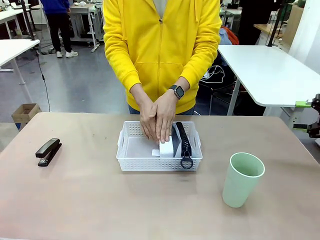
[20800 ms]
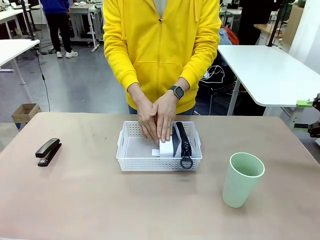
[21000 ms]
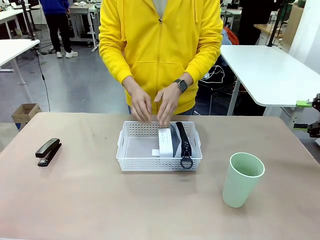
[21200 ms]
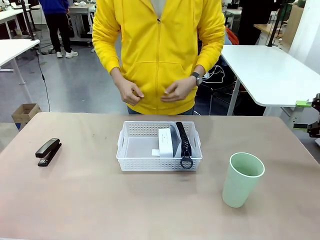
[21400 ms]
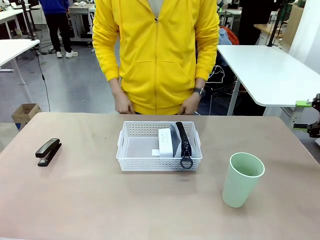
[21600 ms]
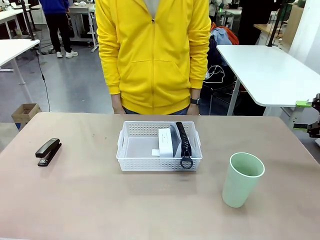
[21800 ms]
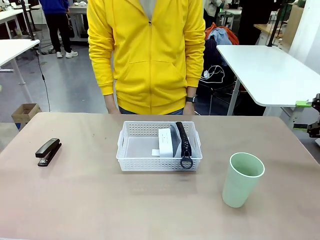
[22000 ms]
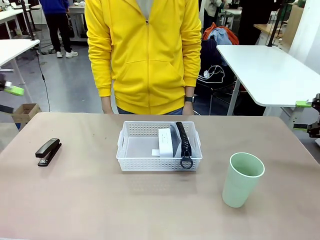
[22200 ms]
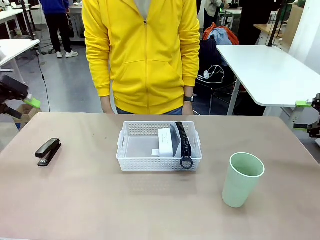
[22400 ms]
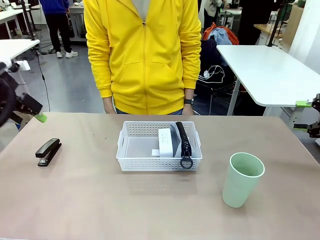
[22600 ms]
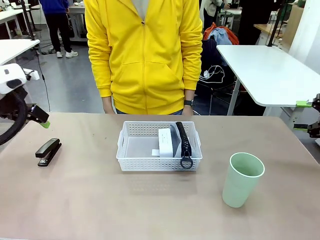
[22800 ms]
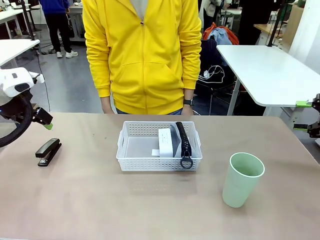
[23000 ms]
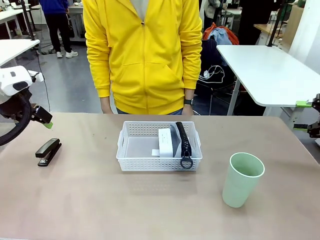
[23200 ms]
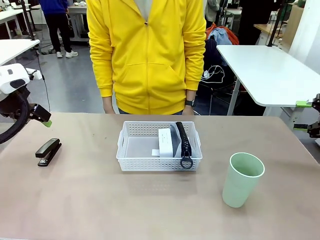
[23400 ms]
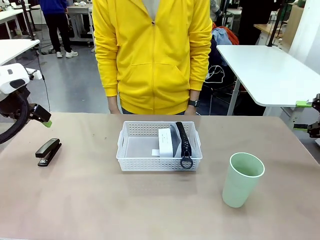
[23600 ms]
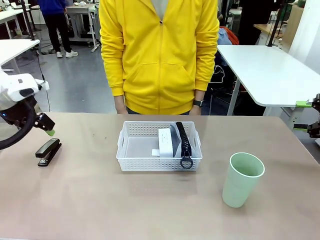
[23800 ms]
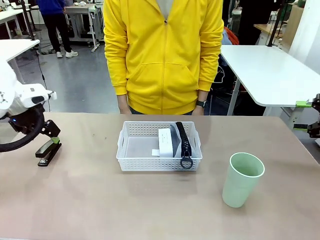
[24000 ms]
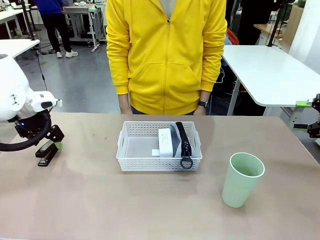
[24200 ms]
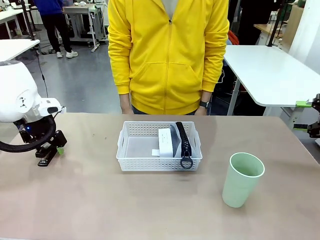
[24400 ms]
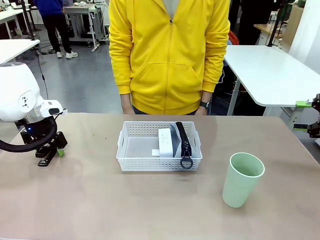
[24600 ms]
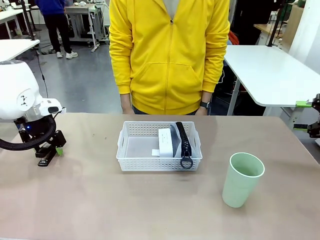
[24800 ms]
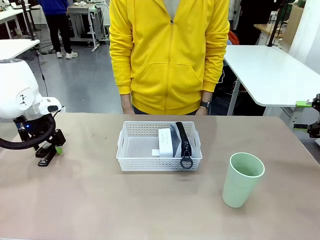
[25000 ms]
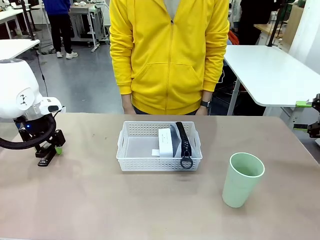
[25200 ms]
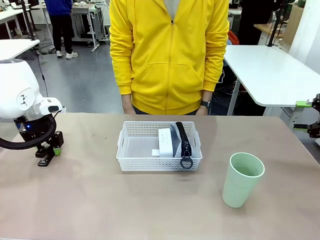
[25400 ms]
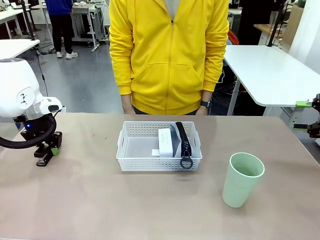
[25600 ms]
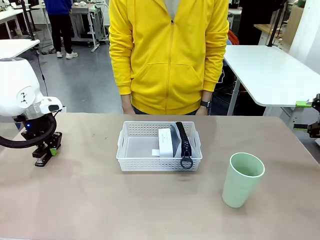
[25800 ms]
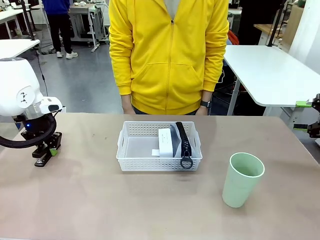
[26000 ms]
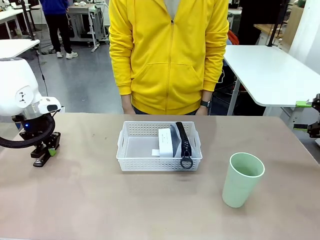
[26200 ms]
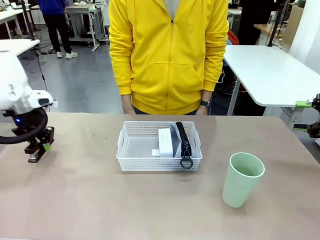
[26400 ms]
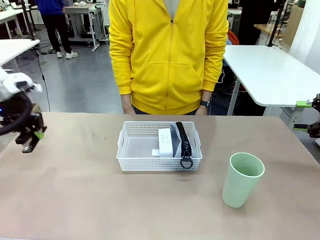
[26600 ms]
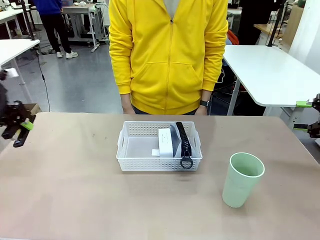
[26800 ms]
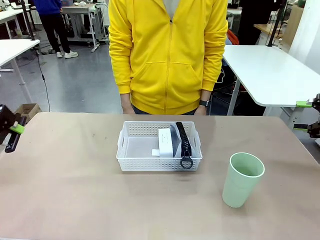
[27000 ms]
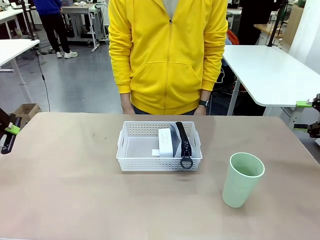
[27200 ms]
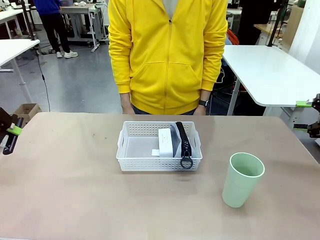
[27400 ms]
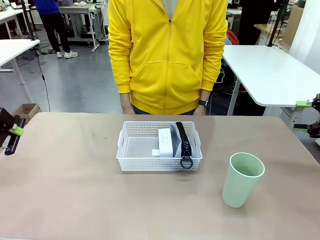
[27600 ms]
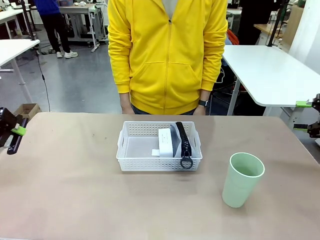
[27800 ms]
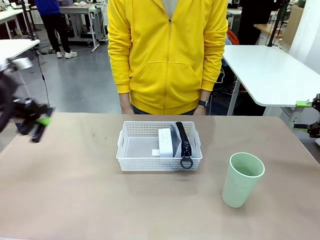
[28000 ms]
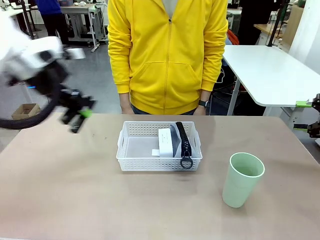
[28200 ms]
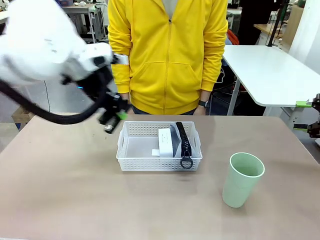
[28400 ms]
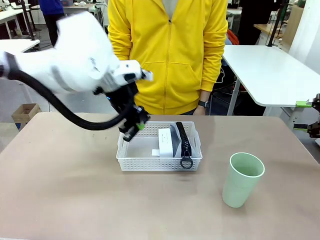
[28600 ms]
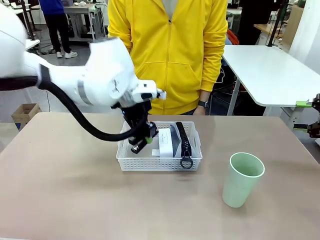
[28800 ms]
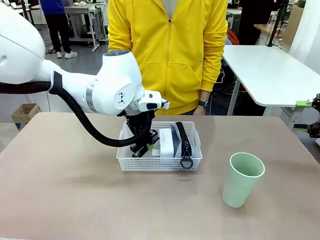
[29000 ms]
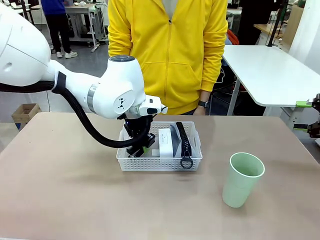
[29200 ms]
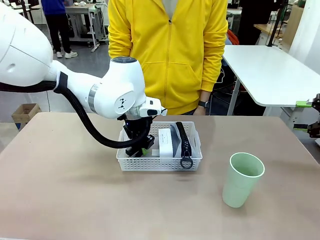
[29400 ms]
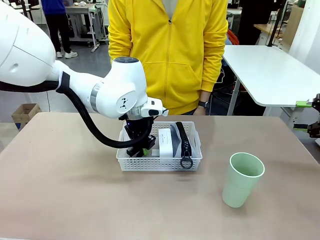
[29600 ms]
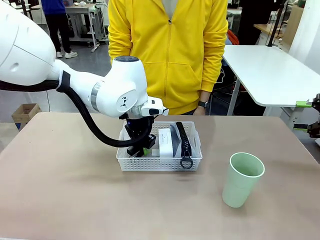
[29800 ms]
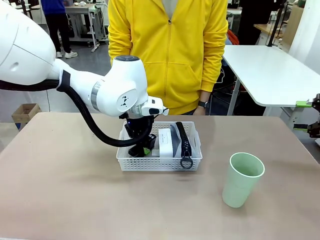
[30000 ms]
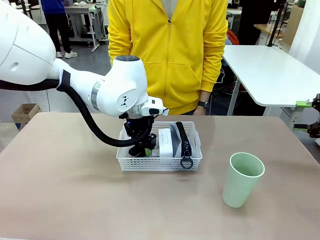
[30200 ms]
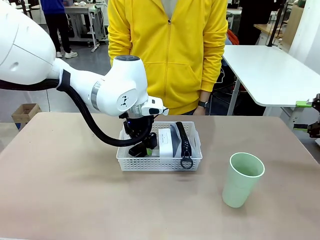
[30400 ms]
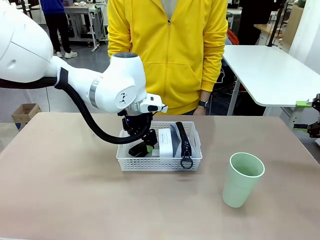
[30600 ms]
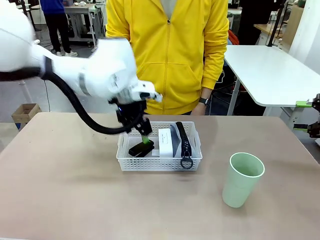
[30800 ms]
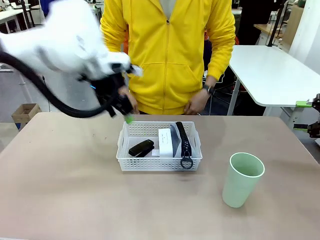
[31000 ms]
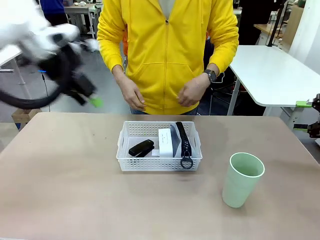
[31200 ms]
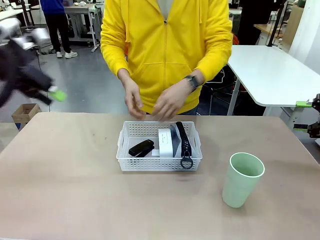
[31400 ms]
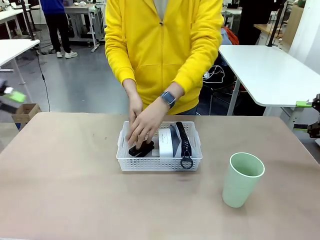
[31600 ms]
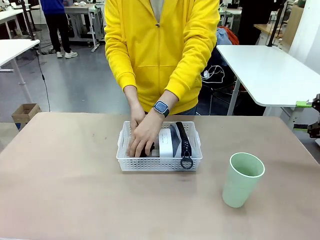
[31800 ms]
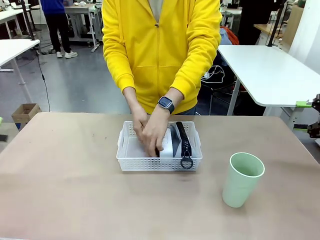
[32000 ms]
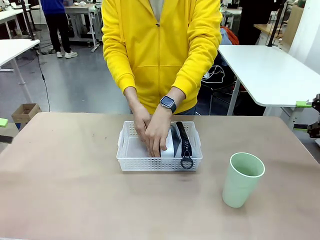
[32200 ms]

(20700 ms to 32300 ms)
Task: Efficiently arrange items inside the basket to fit them all.
Robot: Pick up the Stapler and place it inside the Organizing basket.

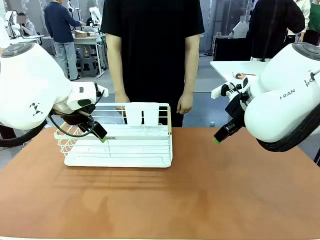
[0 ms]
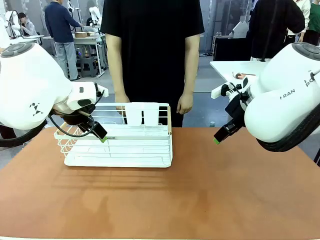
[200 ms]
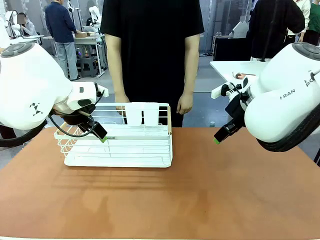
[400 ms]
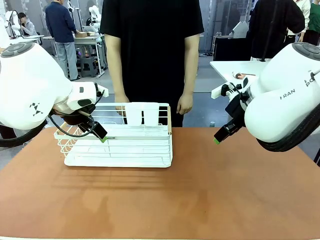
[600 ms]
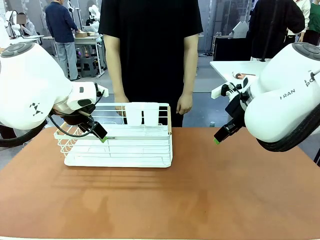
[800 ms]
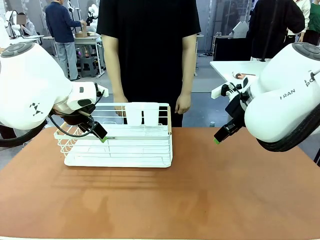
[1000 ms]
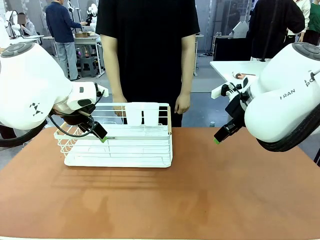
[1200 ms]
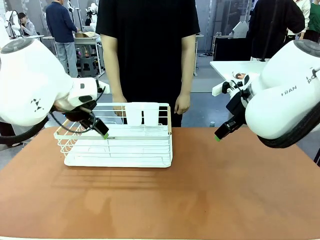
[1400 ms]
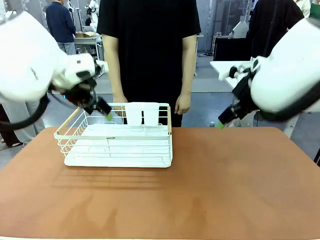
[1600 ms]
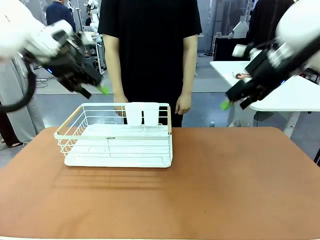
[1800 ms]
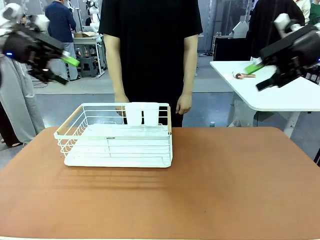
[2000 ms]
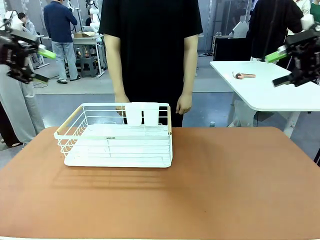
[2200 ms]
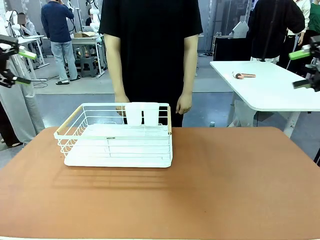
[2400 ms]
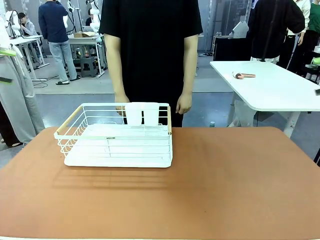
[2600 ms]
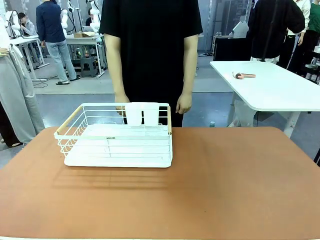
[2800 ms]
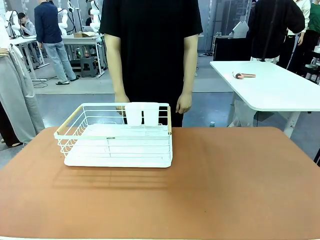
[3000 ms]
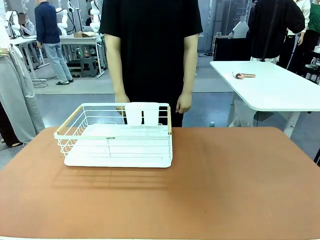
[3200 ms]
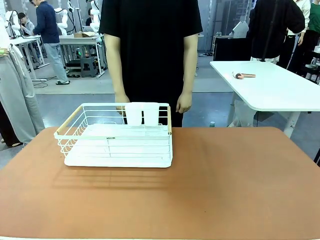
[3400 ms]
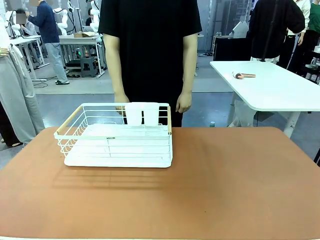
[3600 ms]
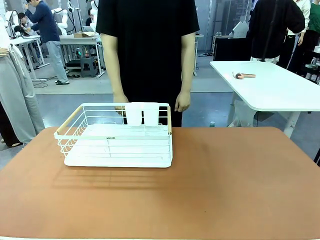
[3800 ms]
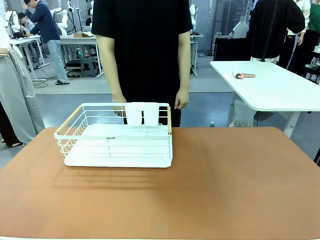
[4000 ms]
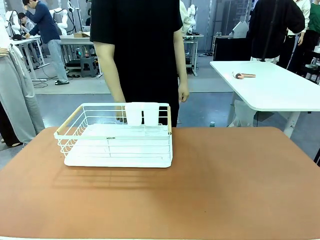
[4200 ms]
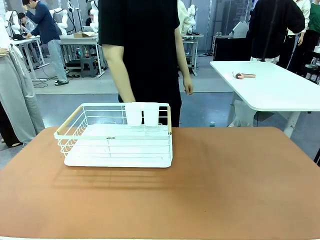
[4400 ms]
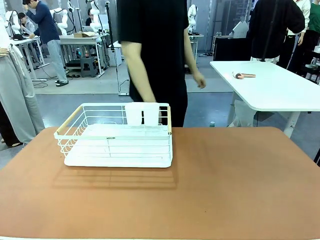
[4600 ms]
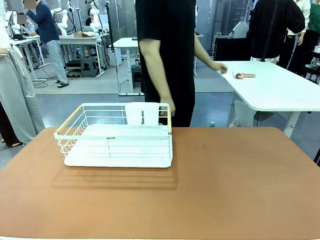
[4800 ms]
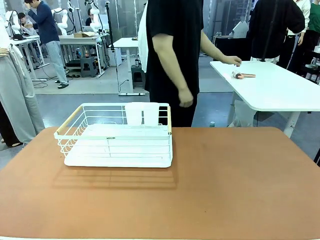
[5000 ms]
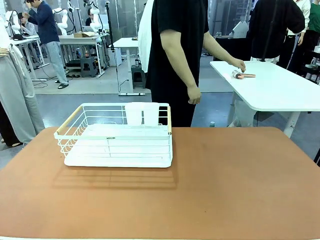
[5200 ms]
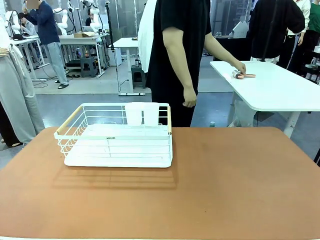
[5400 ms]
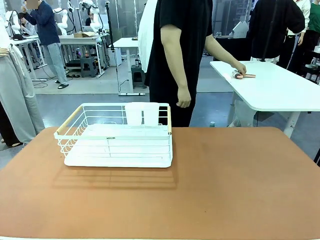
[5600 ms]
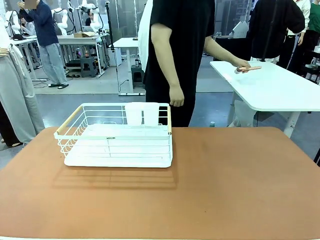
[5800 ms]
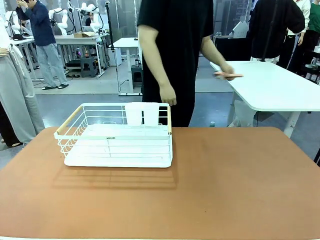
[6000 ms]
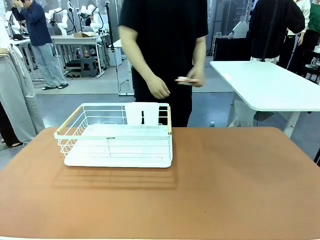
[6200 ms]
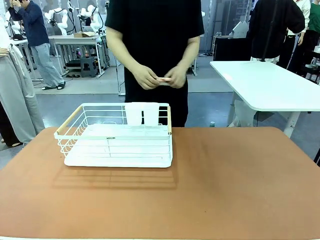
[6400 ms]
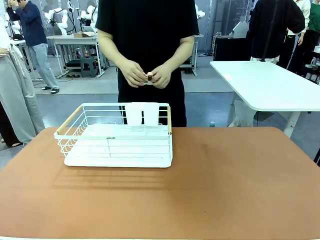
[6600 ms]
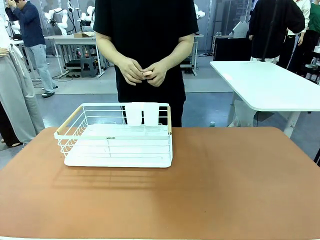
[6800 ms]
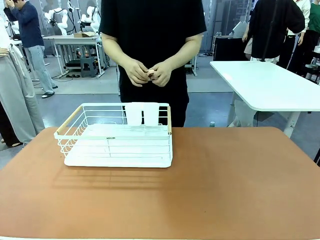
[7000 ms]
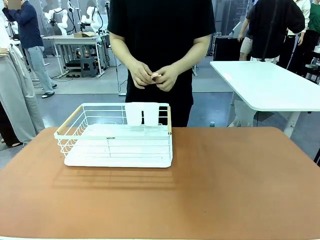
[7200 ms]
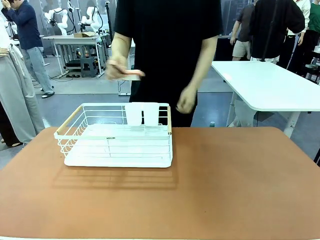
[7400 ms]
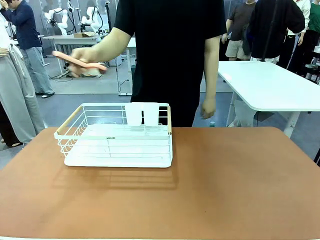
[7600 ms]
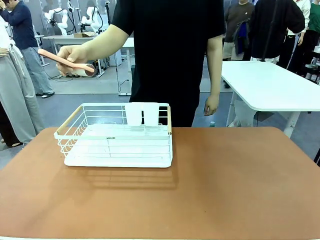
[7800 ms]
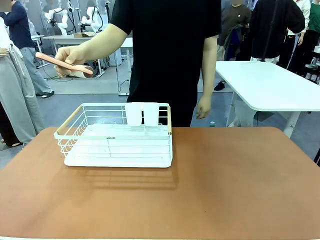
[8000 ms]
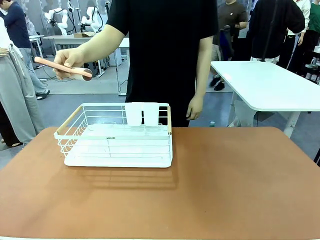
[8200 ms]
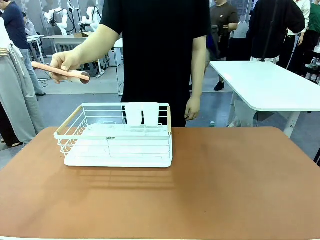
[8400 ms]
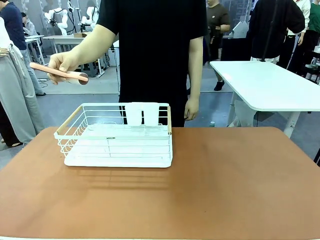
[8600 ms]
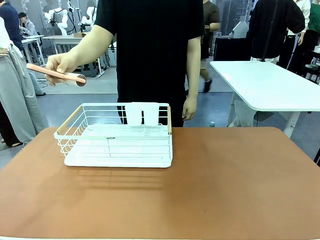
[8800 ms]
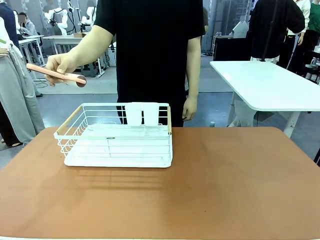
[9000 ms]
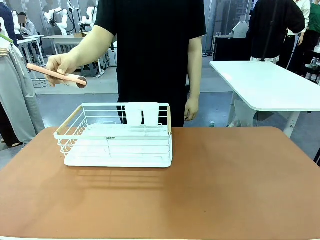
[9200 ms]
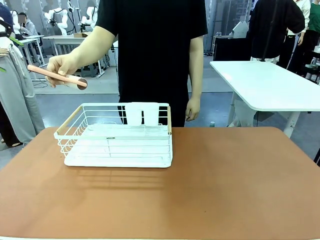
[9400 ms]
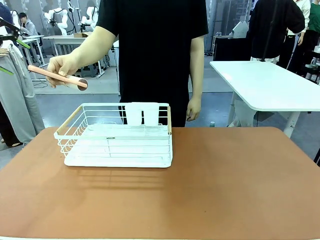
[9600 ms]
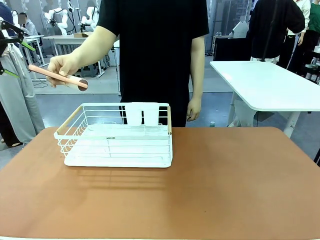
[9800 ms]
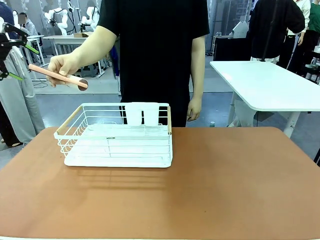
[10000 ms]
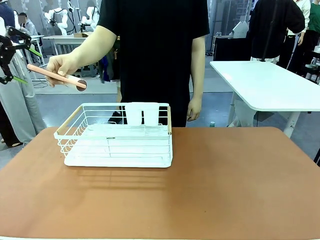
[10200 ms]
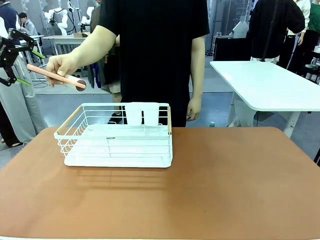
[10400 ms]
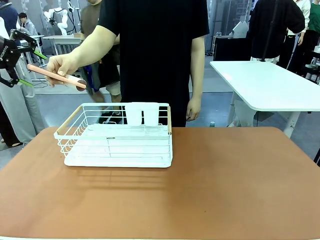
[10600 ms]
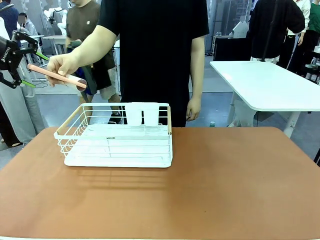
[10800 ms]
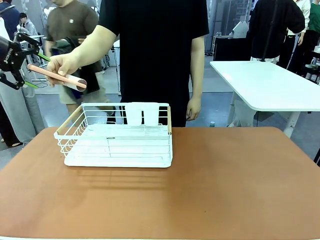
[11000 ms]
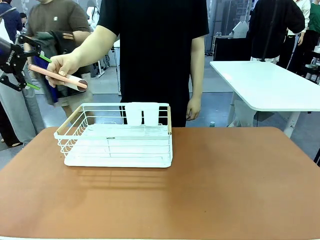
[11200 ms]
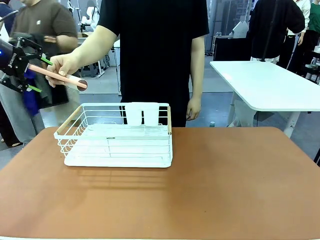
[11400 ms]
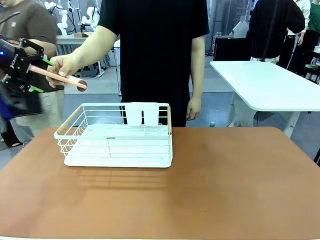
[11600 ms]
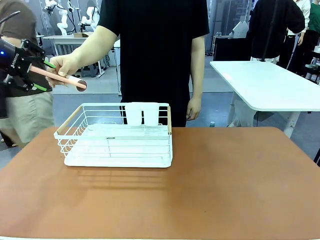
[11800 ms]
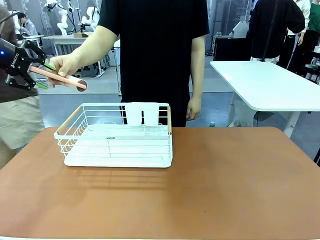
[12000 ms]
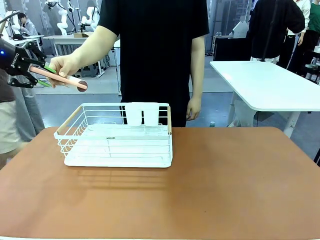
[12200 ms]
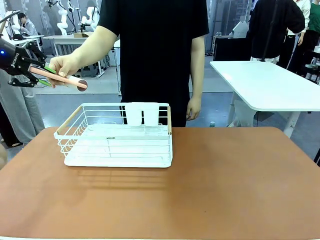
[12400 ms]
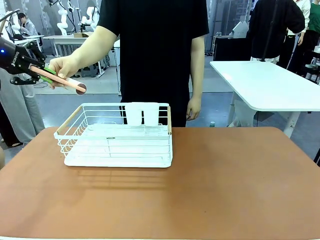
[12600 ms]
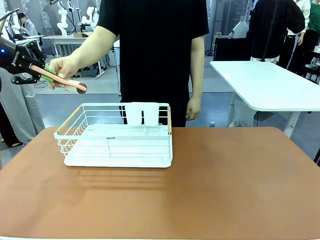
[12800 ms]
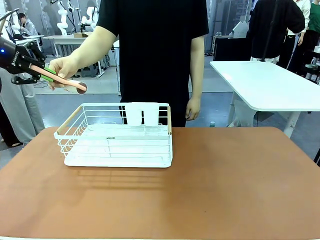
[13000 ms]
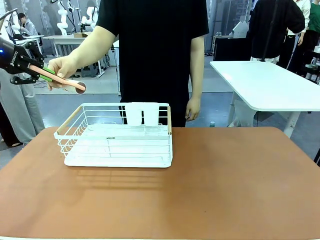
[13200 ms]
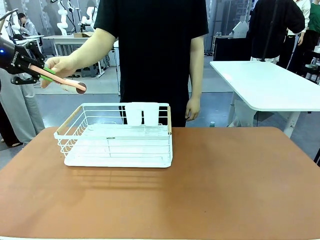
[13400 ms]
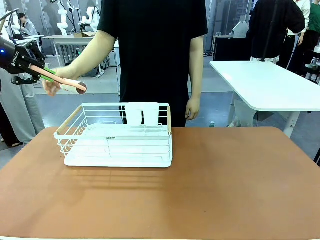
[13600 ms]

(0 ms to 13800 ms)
Task: Clean the table.
Robot: Pick up the Lint Roller when the human hands it over.
Person: Hand the Lint Roller to the robot so it can easily pick it up. Lift the Dish drying rack.
